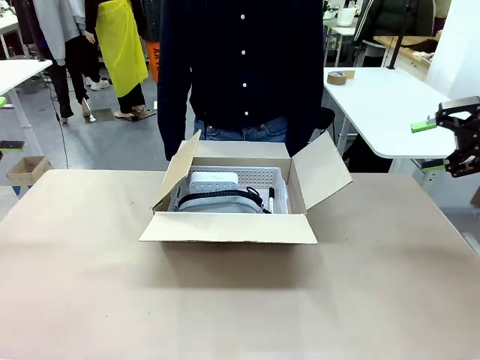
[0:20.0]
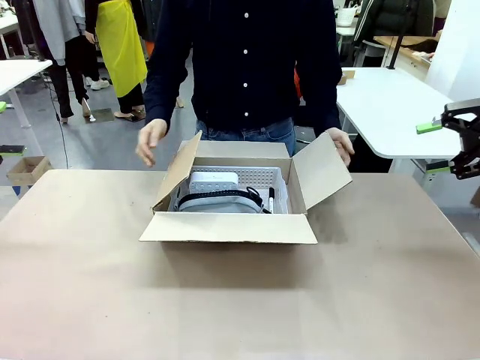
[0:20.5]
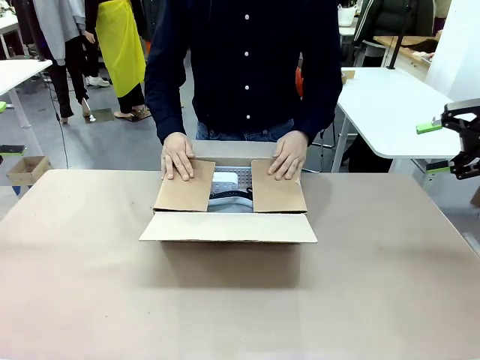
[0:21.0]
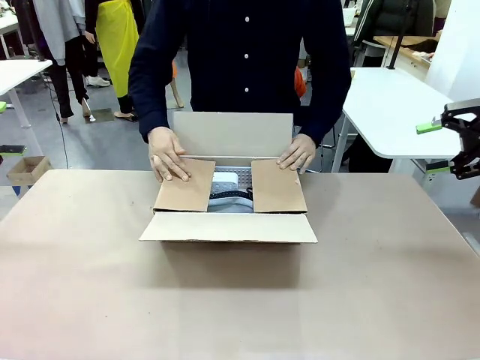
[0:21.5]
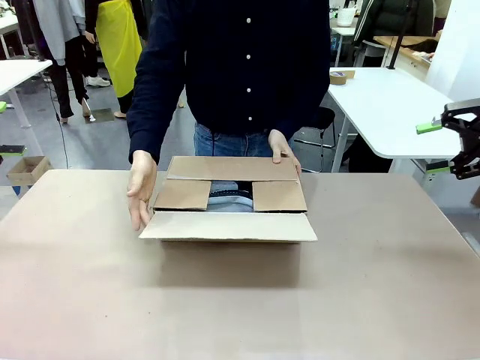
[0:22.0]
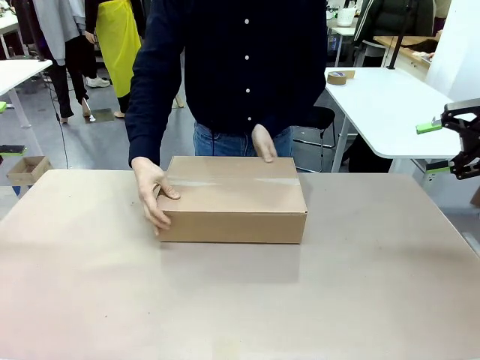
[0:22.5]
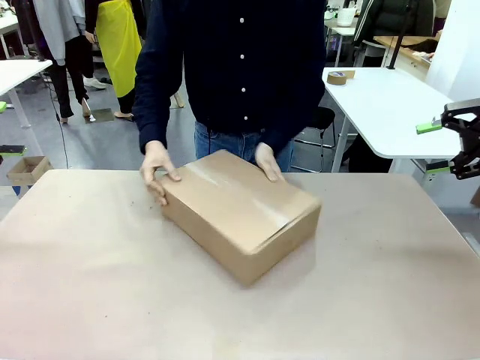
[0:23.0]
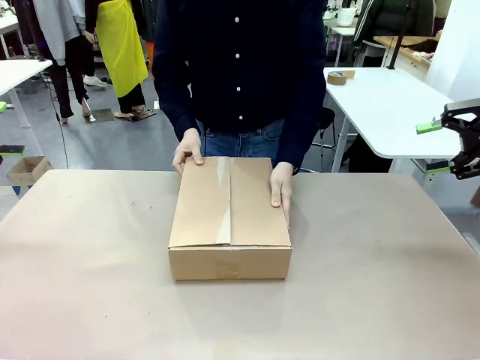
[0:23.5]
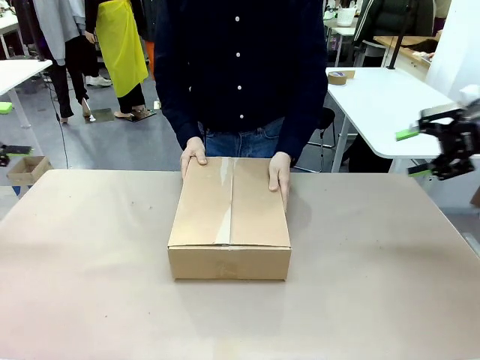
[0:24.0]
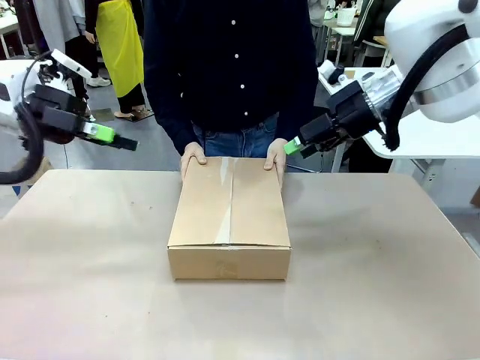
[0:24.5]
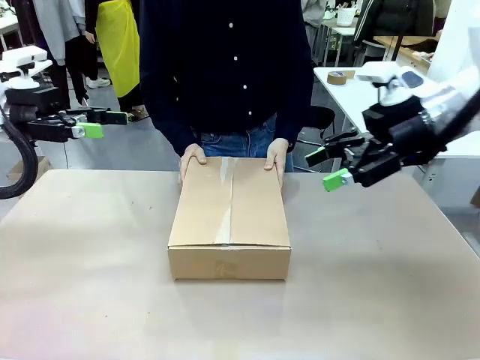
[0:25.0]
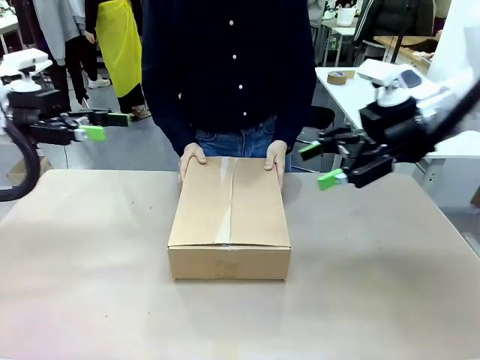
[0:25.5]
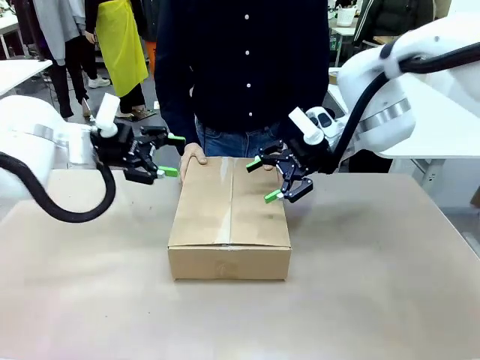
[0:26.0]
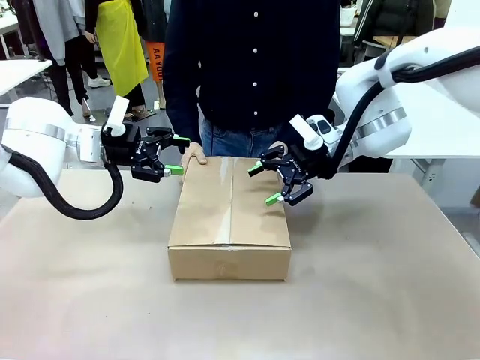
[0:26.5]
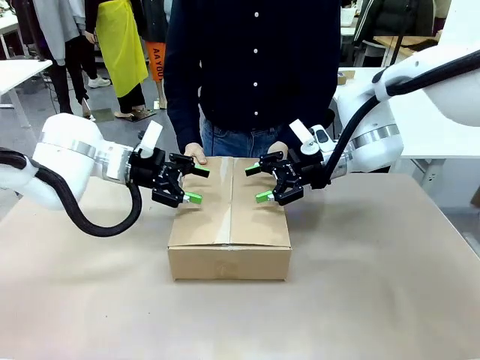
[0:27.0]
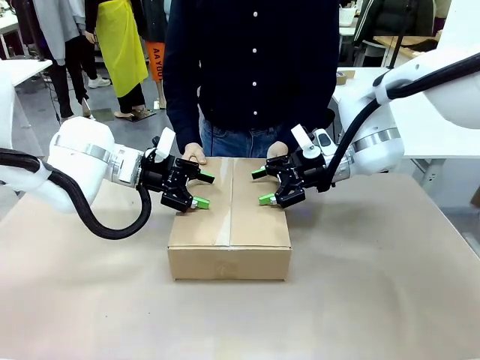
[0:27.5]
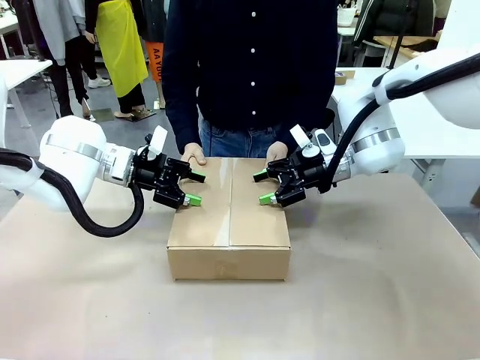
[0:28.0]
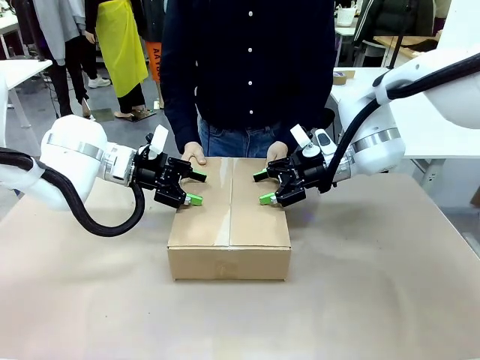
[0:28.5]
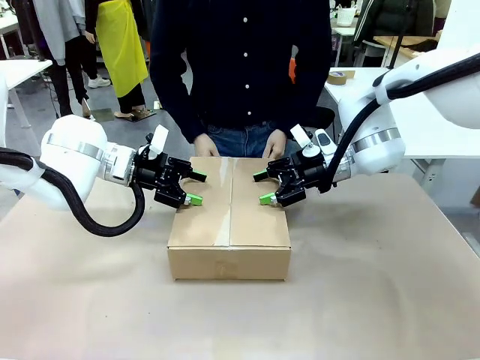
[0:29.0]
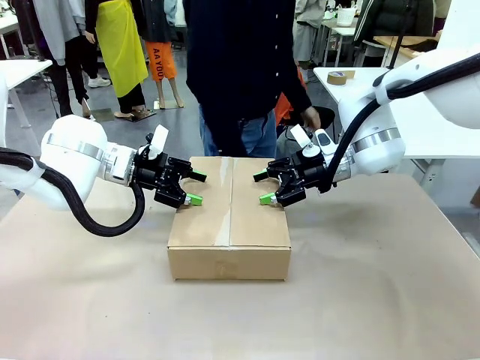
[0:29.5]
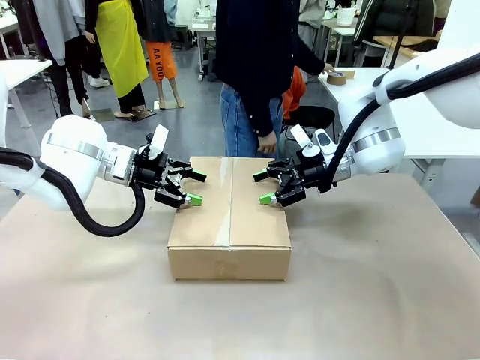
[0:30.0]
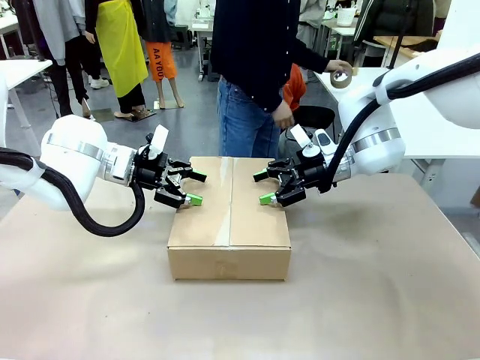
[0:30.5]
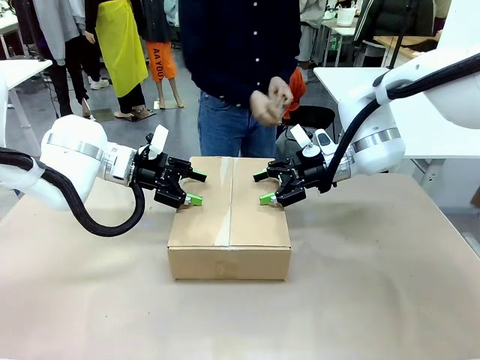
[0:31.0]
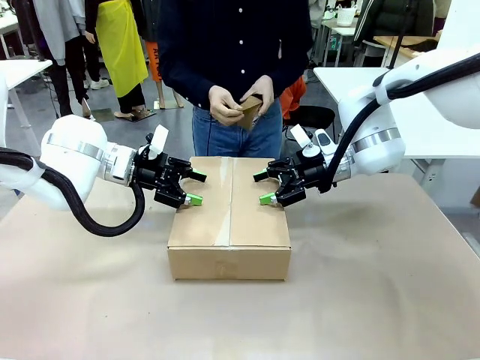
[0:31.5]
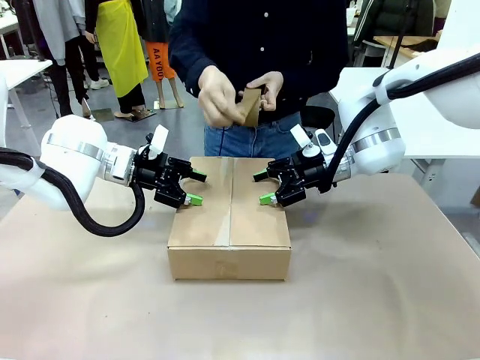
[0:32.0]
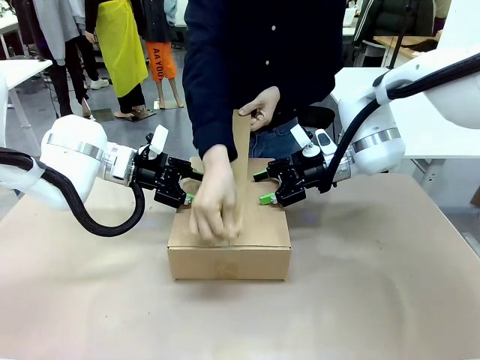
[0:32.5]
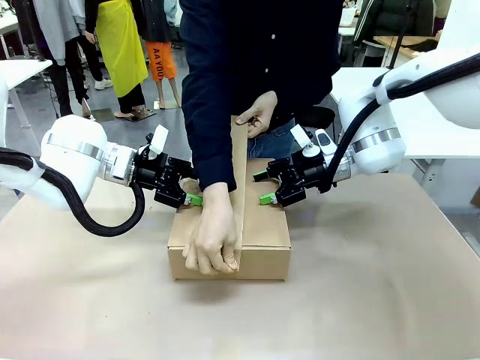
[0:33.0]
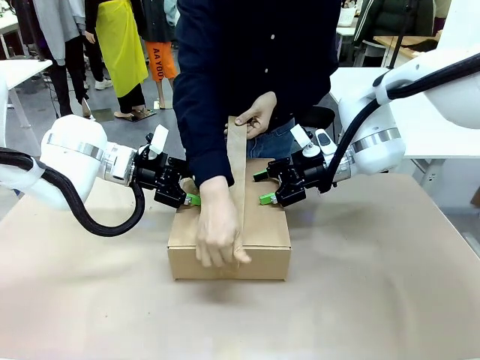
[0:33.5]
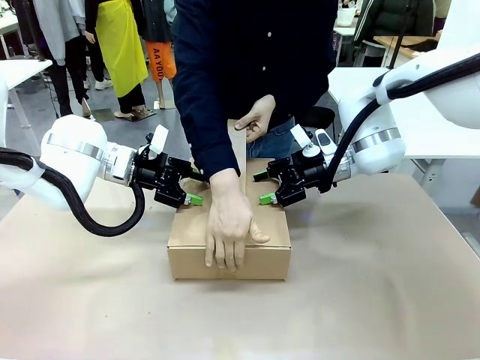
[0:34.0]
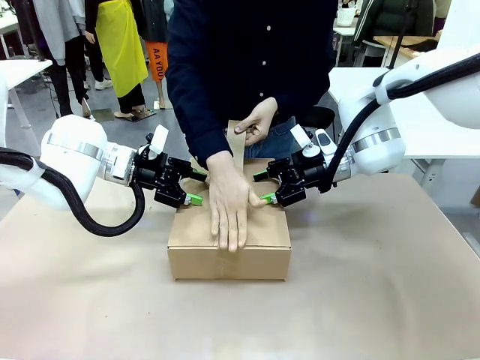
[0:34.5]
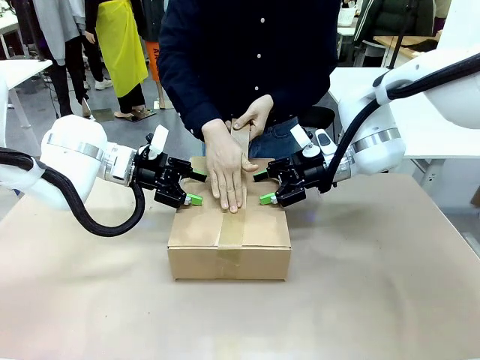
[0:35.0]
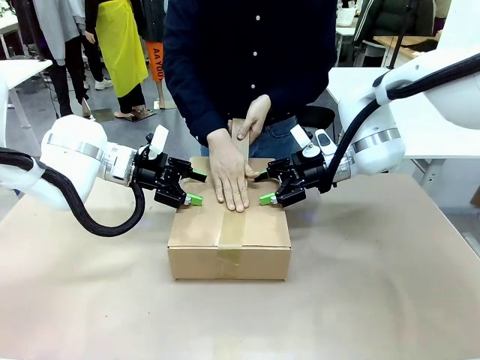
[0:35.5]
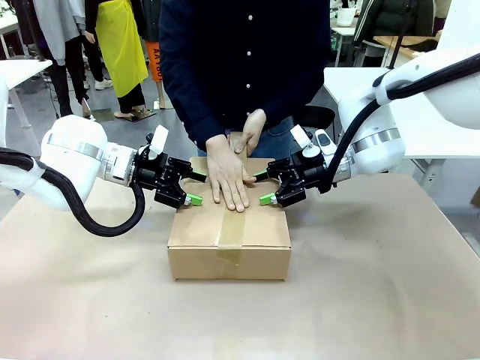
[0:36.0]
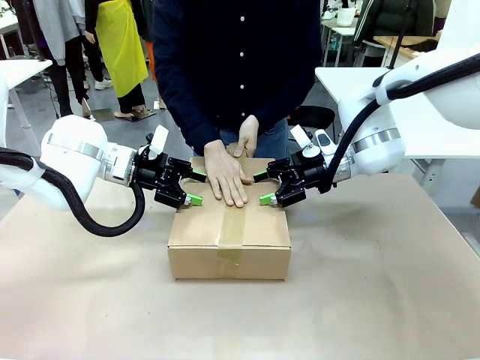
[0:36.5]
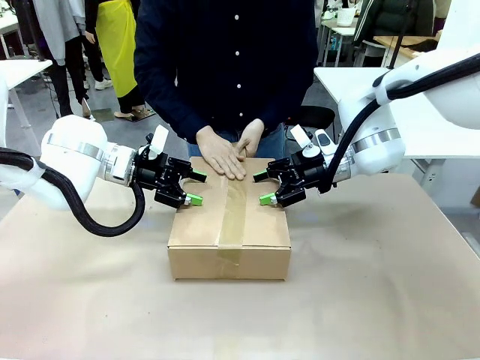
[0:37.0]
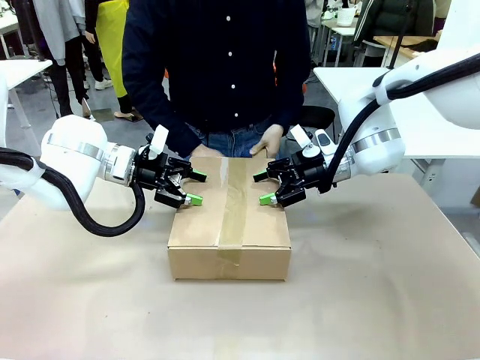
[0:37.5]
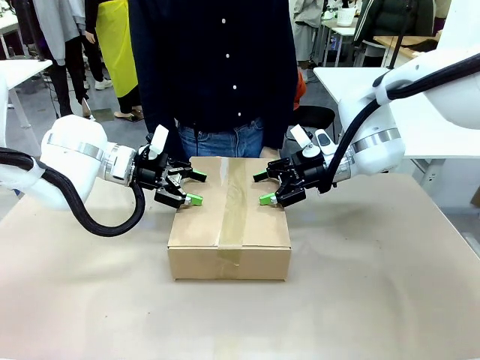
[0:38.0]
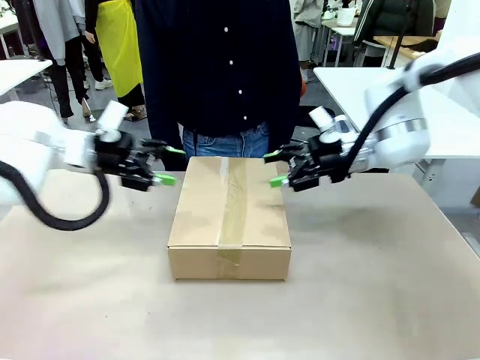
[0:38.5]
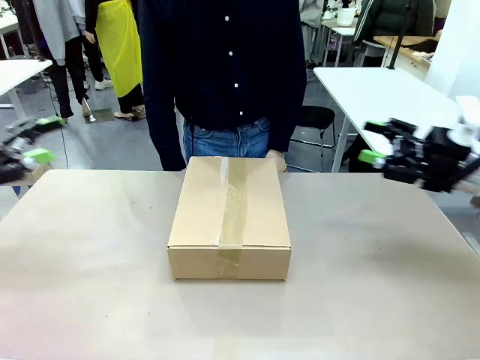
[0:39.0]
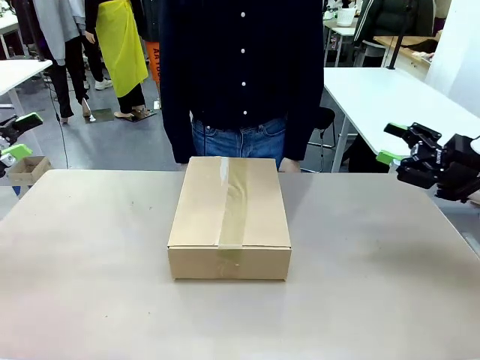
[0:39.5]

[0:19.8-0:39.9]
Task: Pack the gift set into the box.
Robot: Press and hold the closed box until the human finishes sealing it.
Person: The human closes the box and rotates the box by 90 degrees. The human picks up the paper tape from the human table and packs the box.

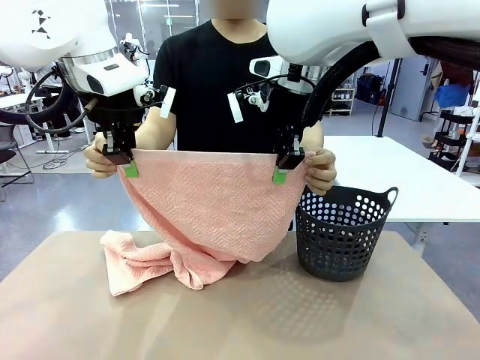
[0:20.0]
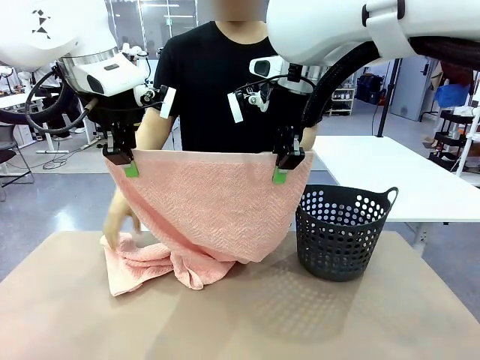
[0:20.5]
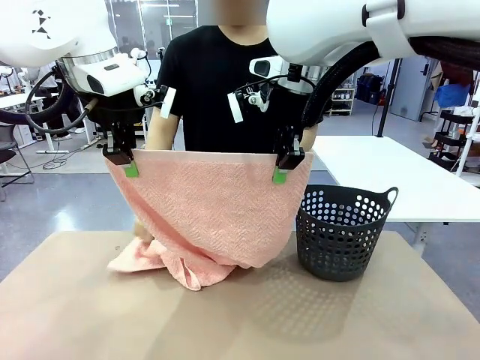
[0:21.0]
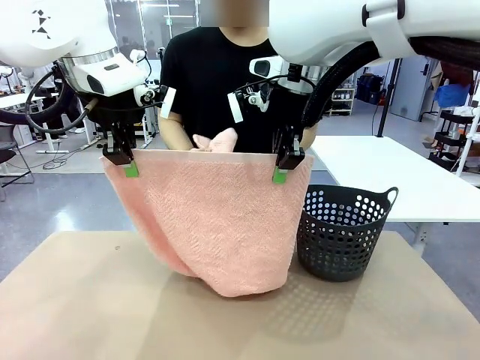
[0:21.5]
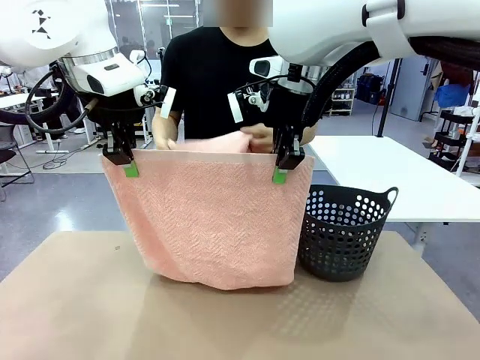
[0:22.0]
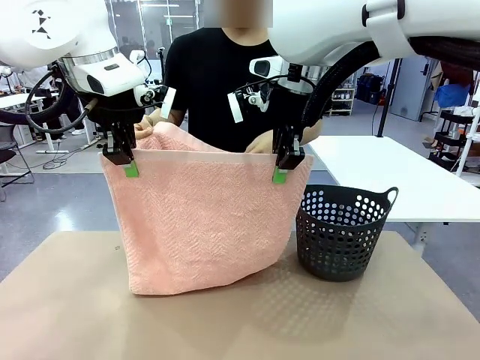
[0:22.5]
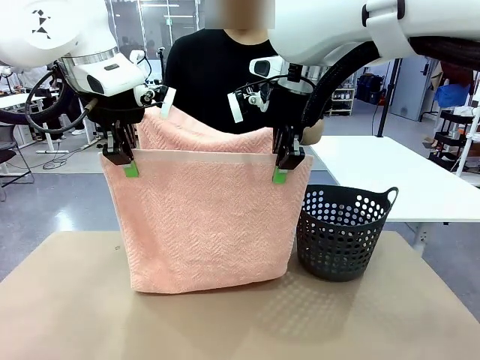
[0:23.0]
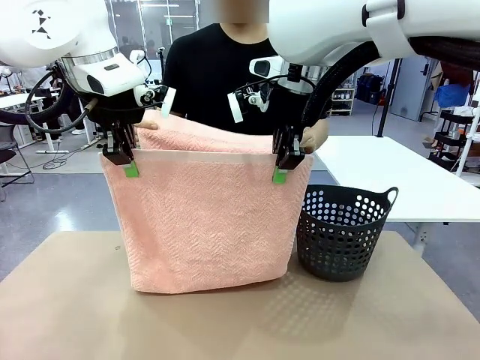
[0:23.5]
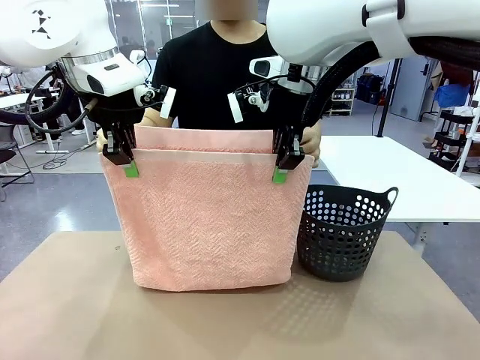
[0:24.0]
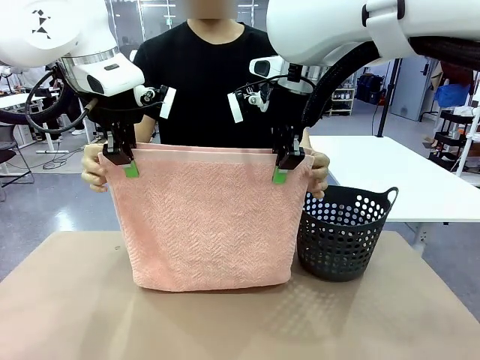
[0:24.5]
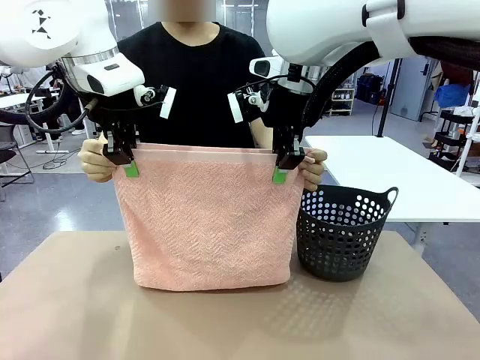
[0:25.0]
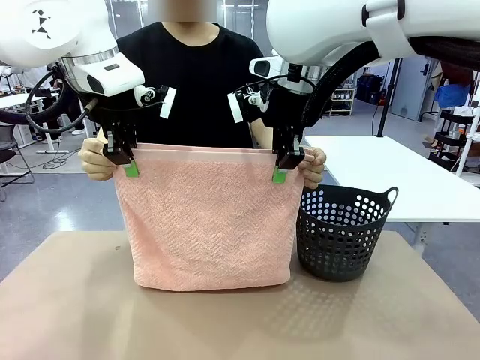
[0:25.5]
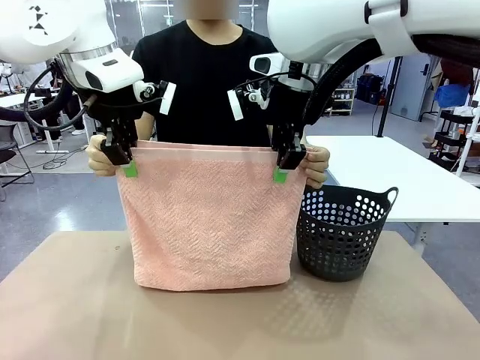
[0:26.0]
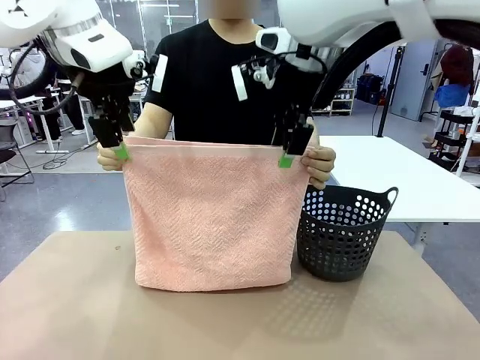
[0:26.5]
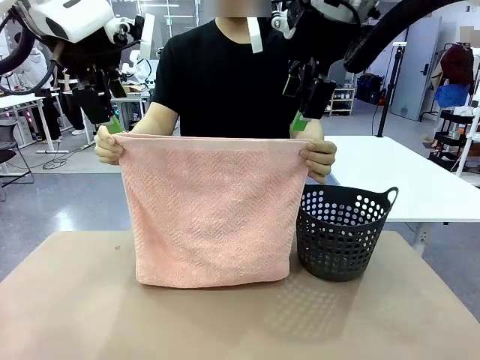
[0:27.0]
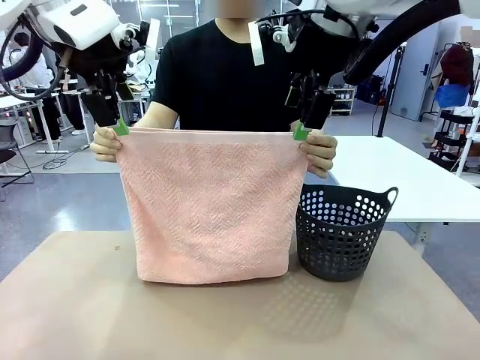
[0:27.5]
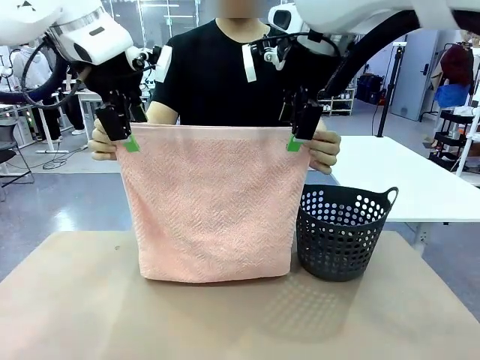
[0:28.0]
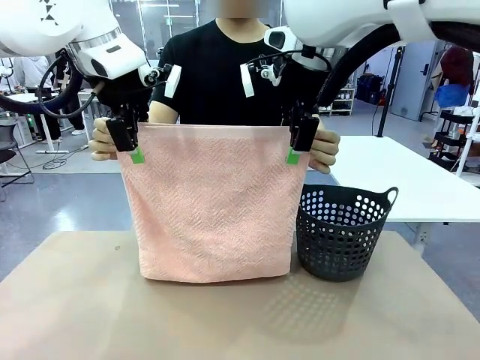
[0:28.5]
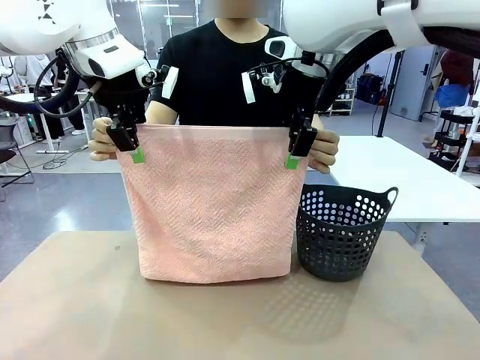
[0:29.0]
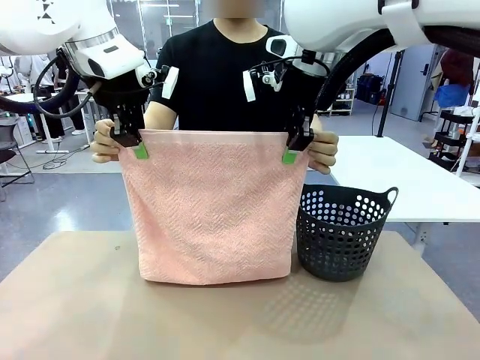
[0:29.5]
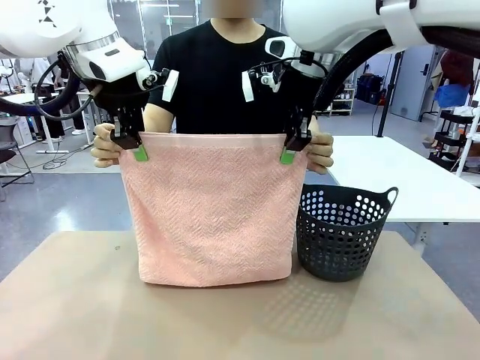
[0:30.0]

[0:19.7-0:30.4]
Task: Fold the towel.
Robot: Release the end of the 100 cm Hotel Towel you were holding and grab the top end of the folded side.
